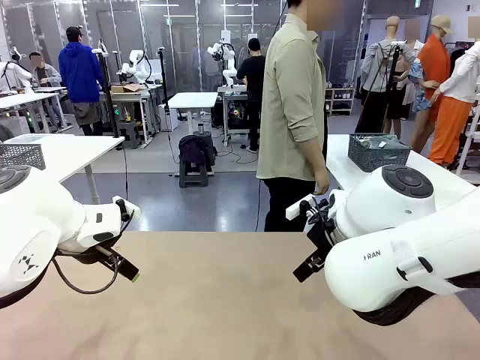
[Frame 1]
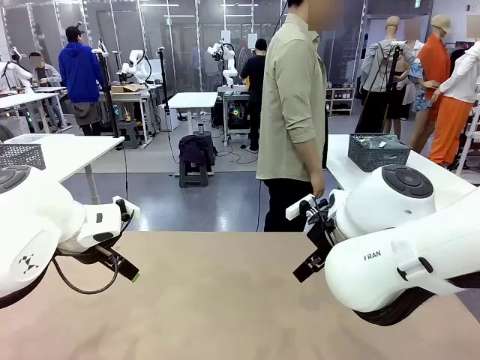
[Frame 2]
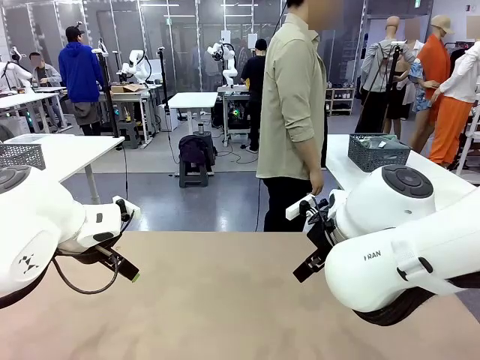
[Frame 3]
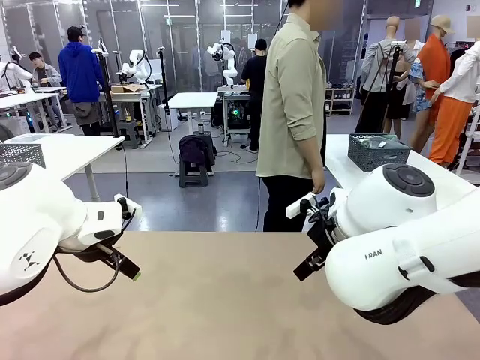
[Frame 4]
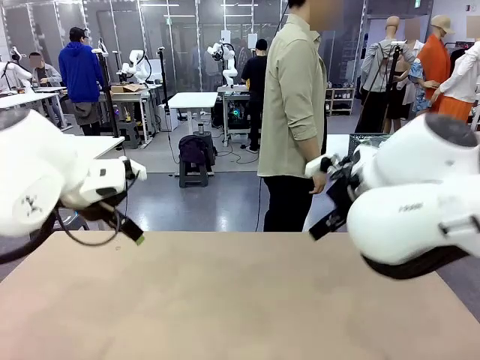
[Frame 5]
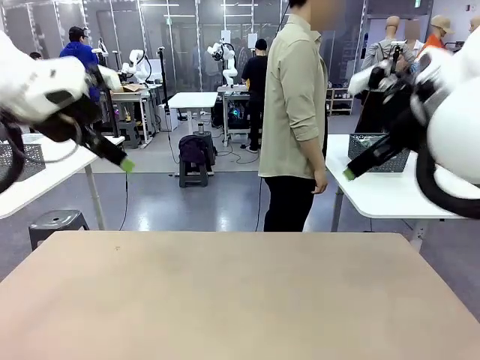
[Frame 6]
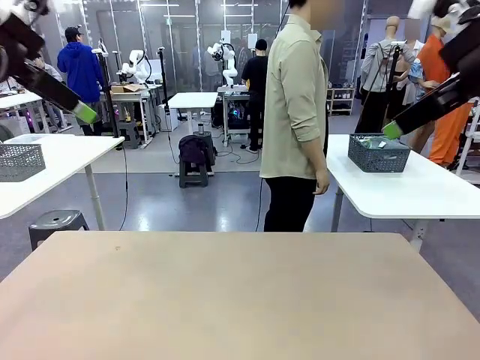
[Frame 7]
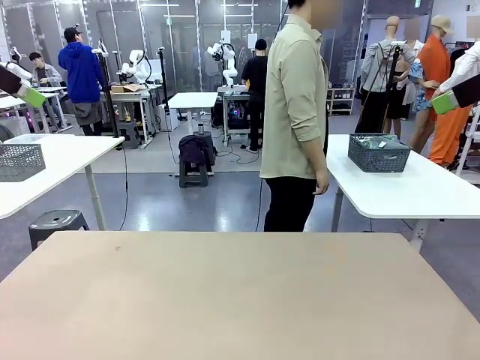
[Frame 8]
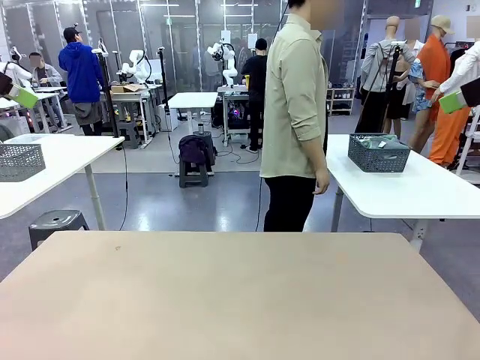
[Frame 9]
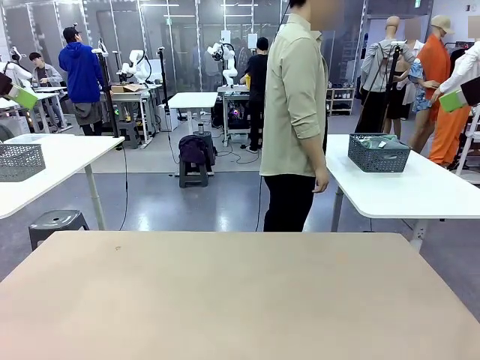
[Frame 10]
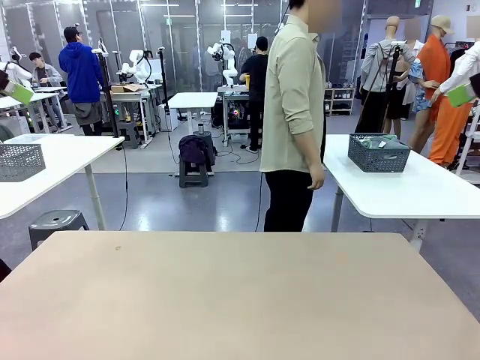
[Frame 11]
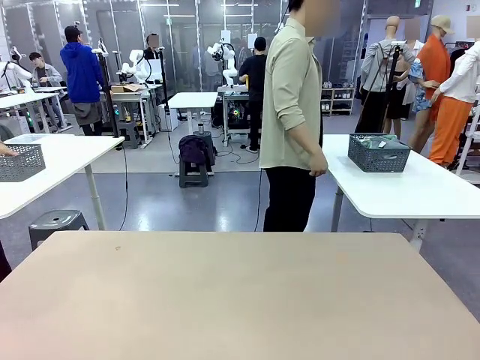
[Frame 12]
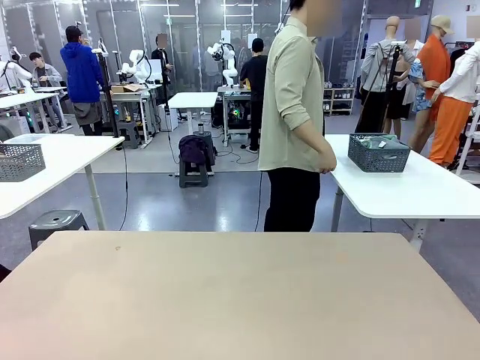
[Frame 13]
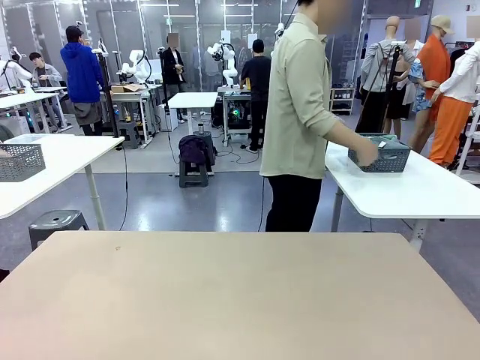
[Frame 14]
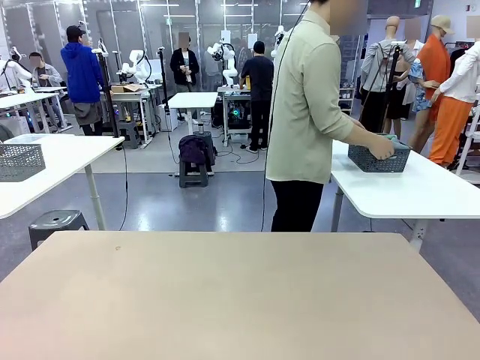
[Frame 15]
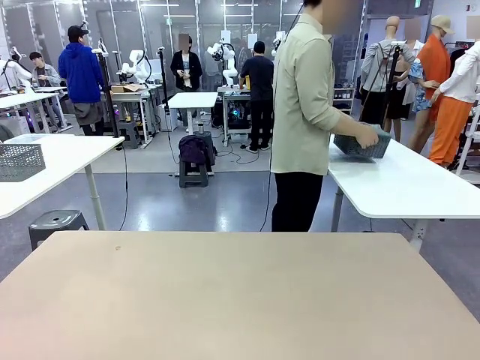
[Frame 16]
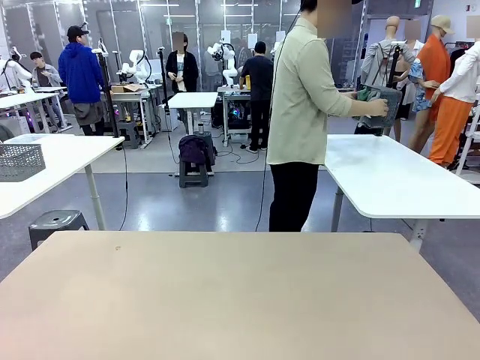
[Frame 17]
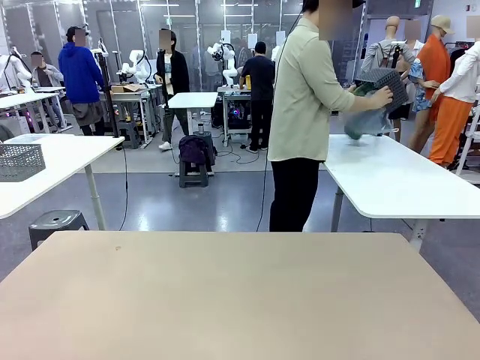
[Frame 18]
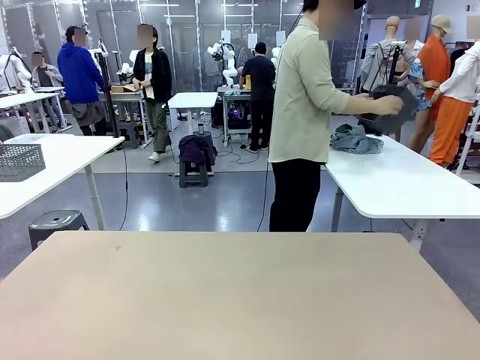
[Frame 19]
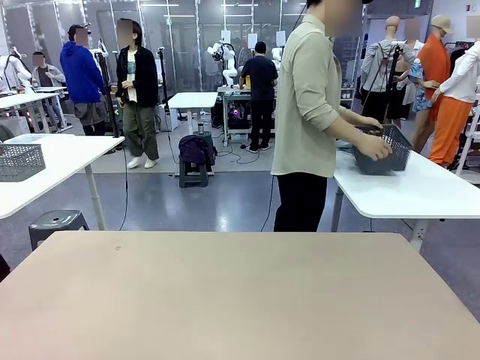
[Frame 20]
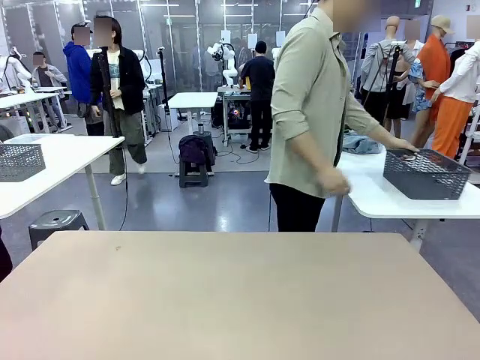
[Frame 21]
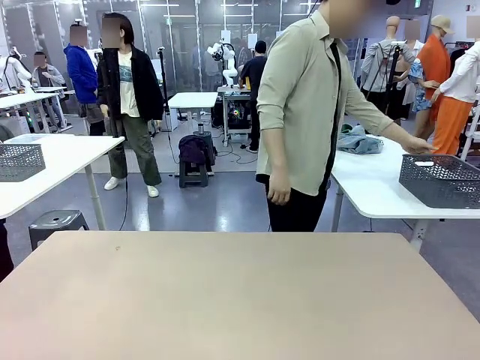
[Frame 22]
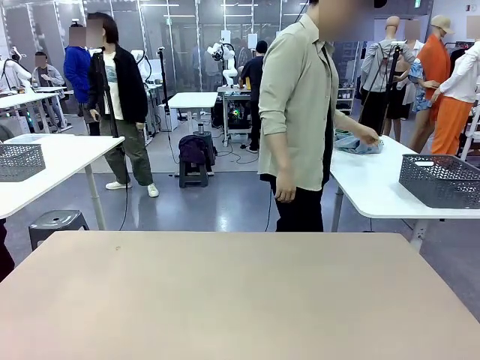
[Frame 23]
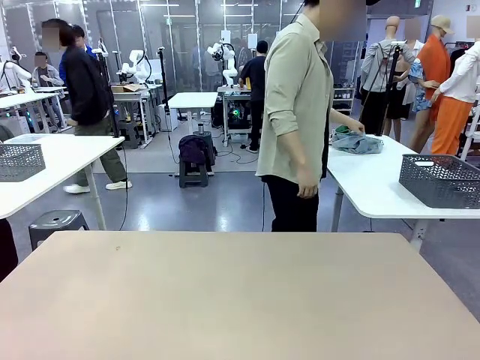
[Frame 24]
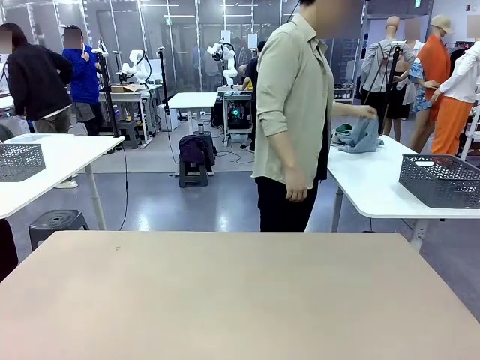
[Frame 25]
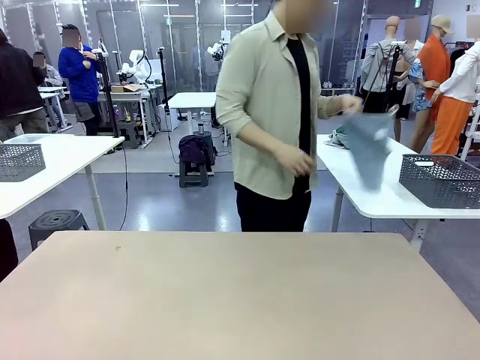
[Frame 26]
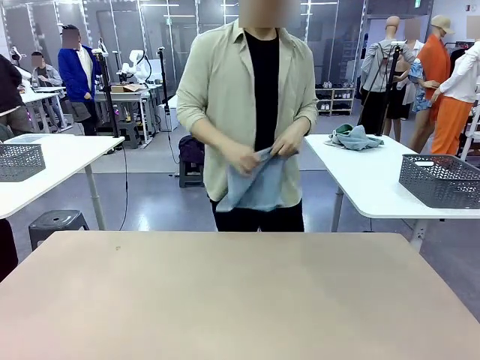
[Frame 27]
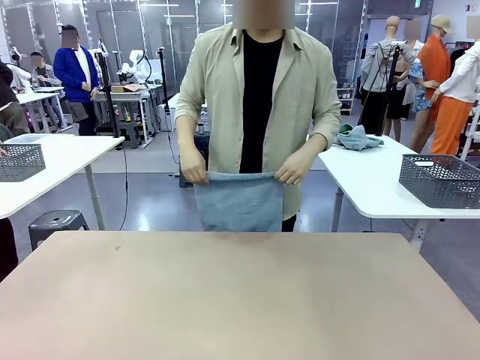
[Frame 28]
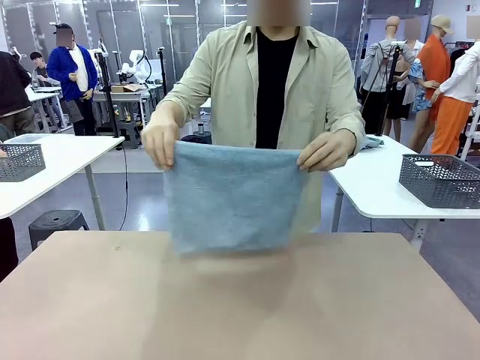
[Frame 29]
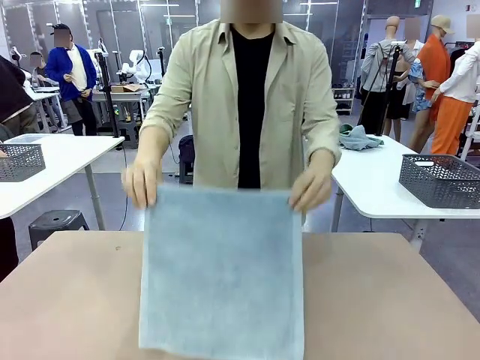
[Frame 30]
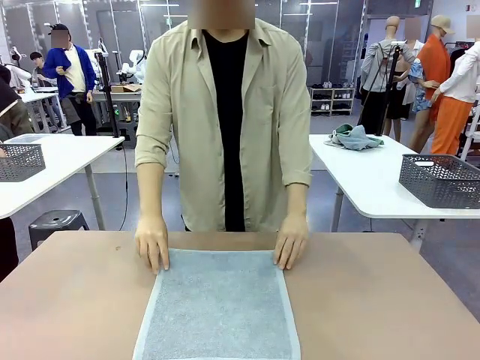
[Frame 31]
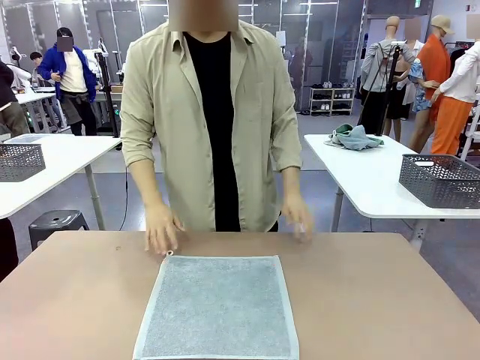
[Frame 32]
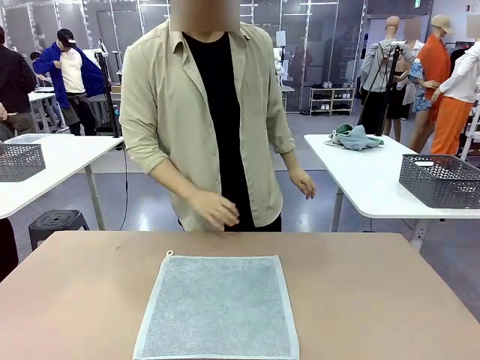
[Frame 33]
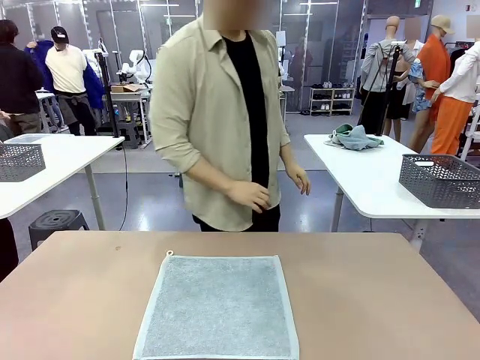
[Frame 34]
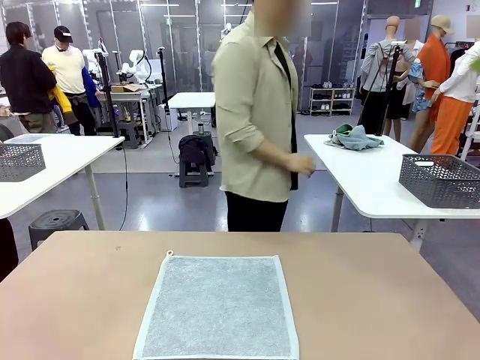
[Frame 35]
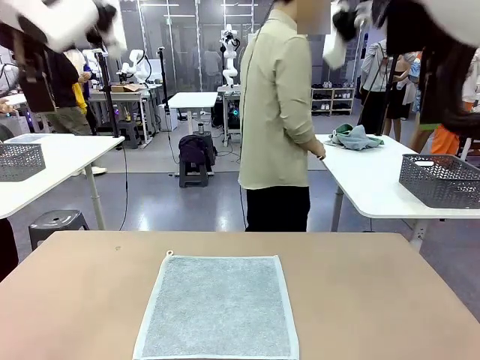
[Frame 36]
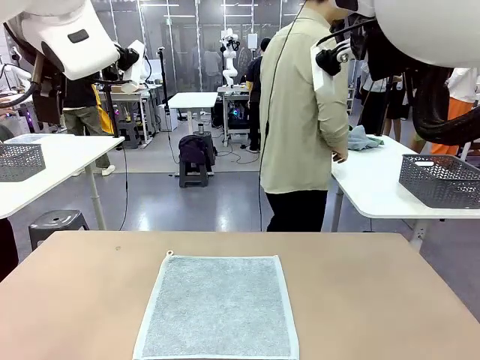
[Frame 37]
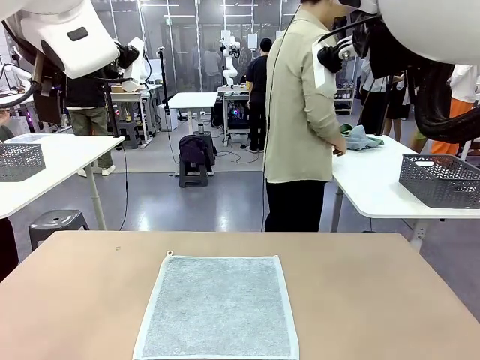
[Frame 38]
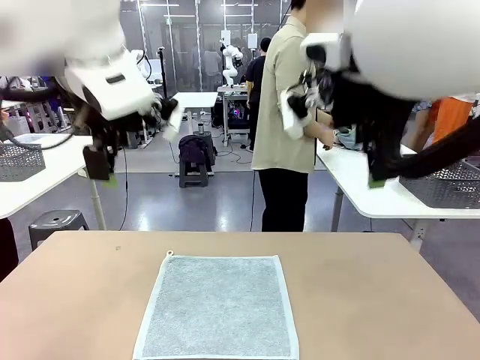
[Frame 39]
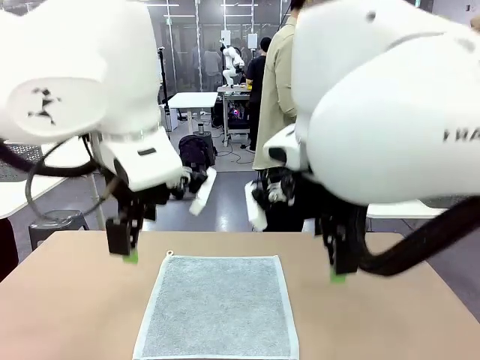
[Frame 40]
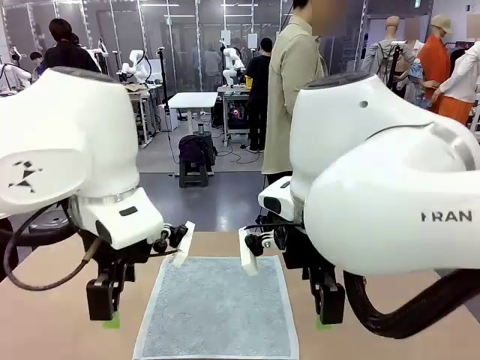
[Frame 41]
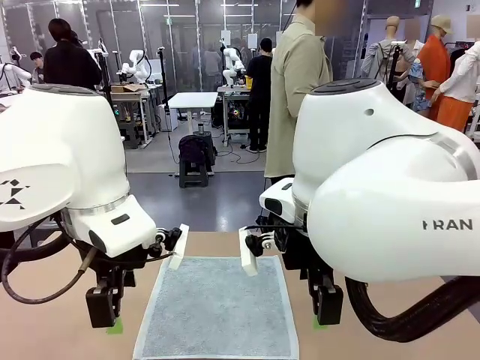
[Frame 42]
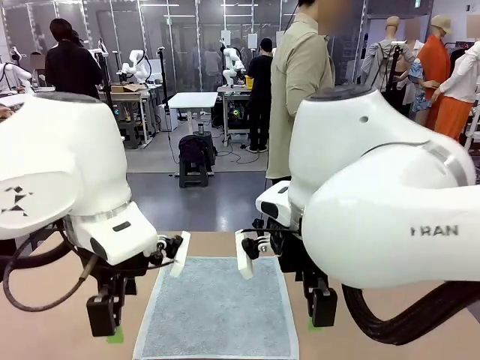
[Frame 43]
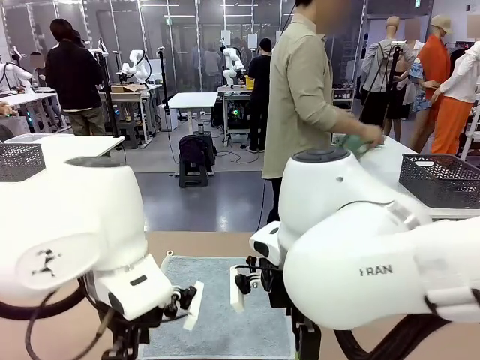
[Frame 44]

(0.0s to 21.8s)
Task: Fold the towels and place them in the basket.
Robot: When a person lays out a Towel with hook on the table, fold it in half twice.
Person: Pick up the basket, pour the towels onto the left side of the human table, and place the basket on the right side. Pick up one towel and spread it out at the center of the robot table.
